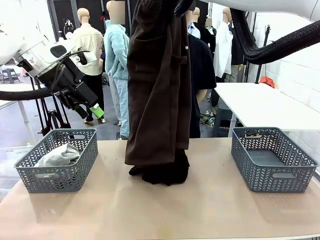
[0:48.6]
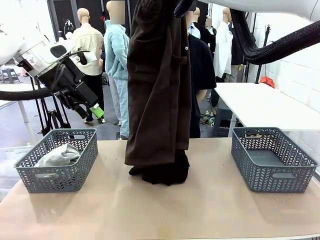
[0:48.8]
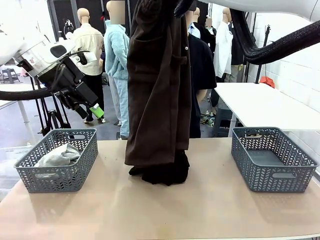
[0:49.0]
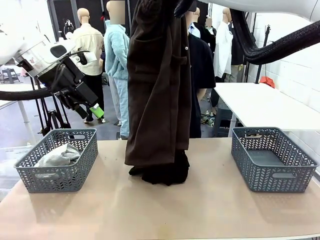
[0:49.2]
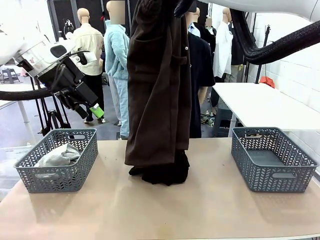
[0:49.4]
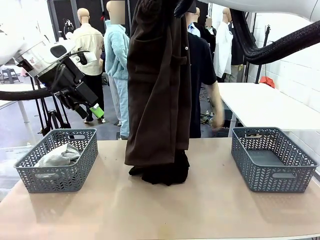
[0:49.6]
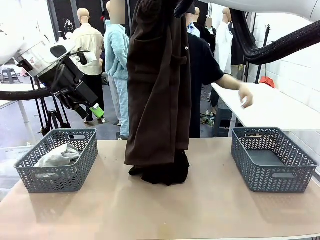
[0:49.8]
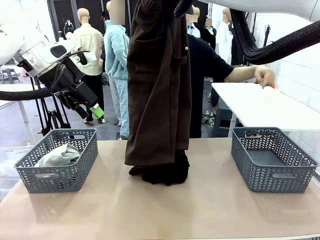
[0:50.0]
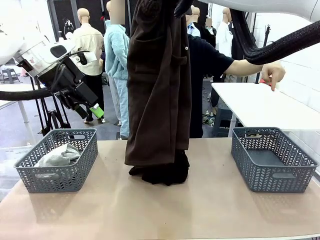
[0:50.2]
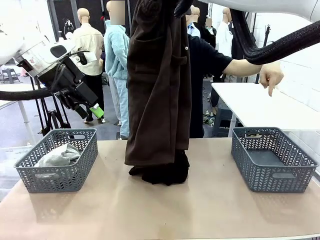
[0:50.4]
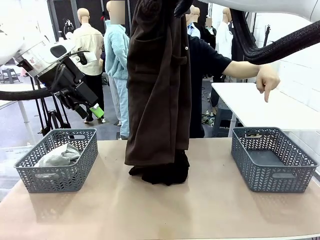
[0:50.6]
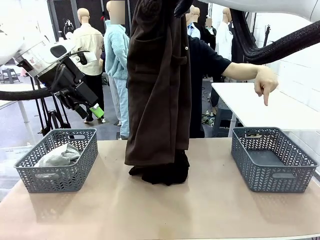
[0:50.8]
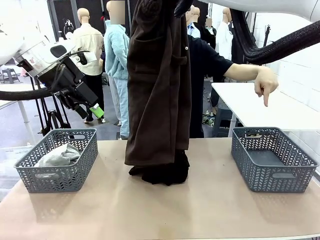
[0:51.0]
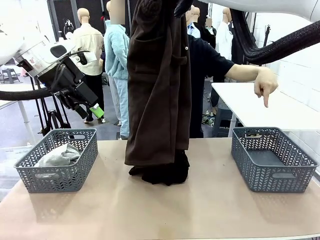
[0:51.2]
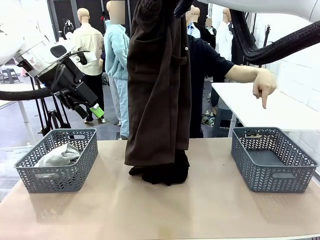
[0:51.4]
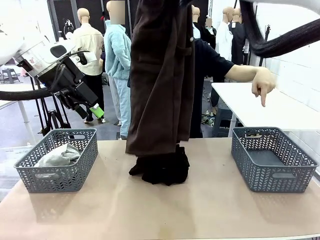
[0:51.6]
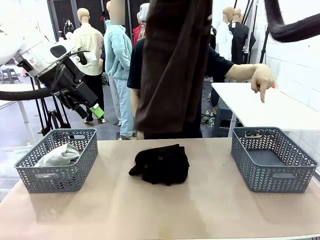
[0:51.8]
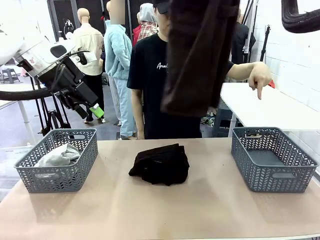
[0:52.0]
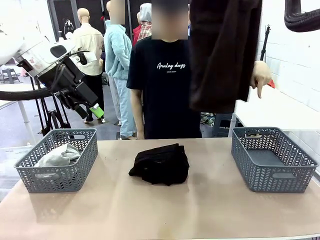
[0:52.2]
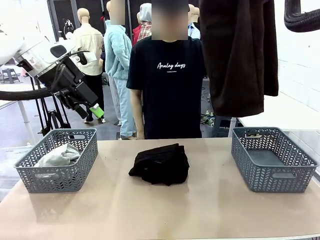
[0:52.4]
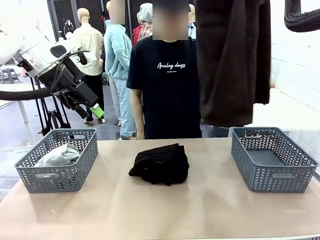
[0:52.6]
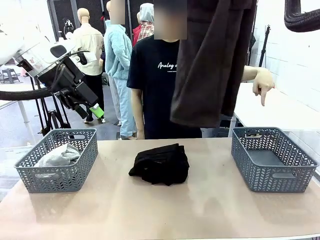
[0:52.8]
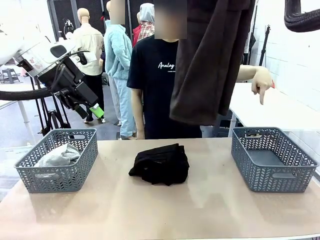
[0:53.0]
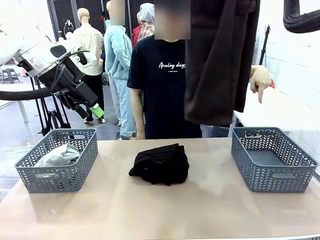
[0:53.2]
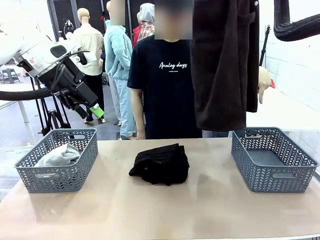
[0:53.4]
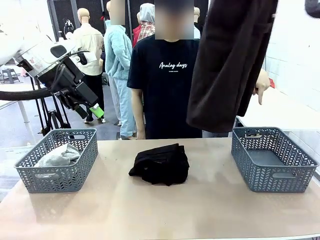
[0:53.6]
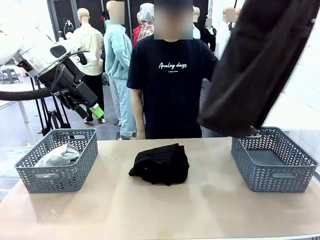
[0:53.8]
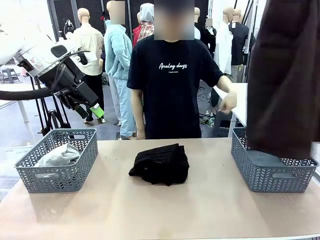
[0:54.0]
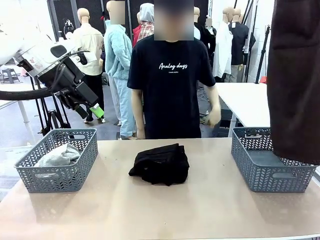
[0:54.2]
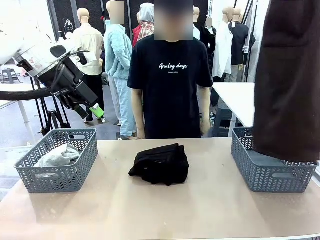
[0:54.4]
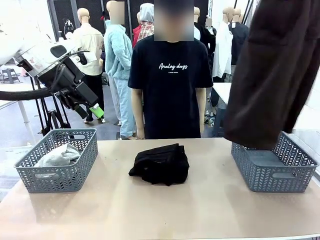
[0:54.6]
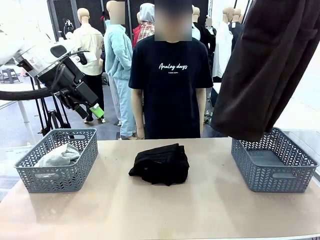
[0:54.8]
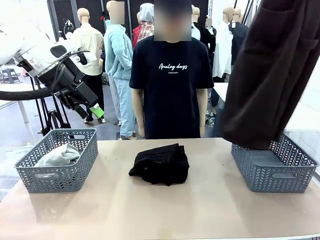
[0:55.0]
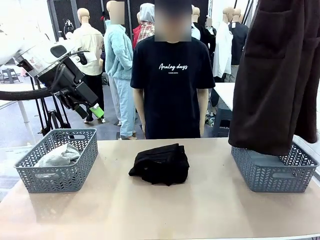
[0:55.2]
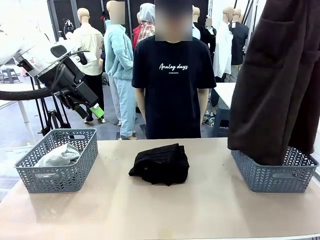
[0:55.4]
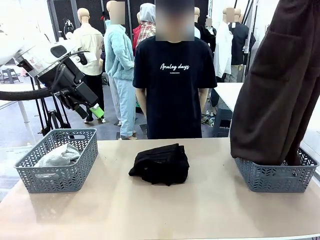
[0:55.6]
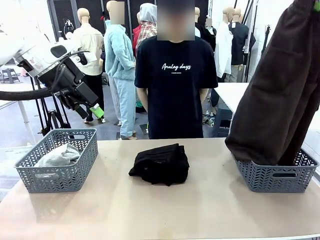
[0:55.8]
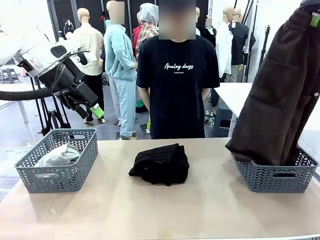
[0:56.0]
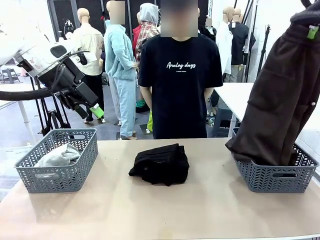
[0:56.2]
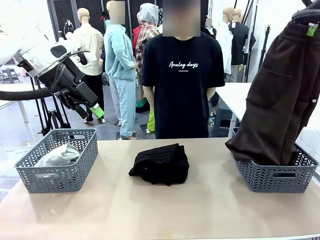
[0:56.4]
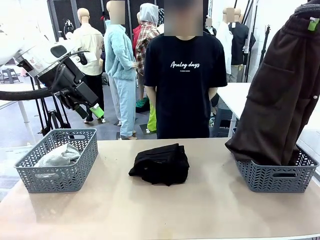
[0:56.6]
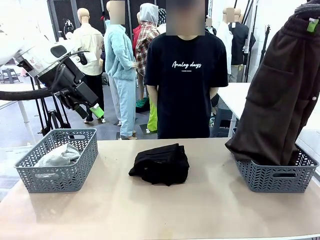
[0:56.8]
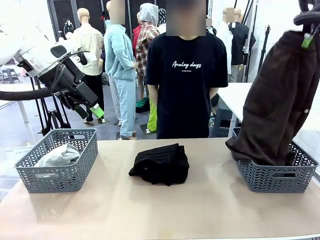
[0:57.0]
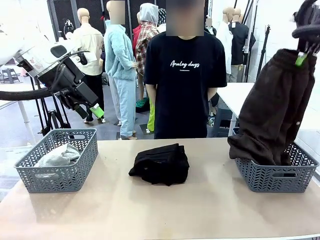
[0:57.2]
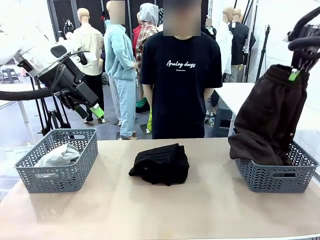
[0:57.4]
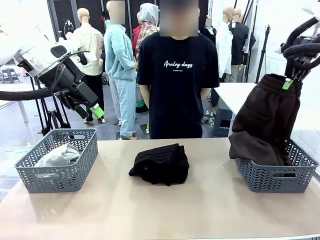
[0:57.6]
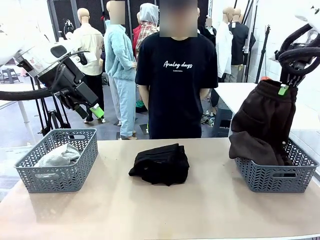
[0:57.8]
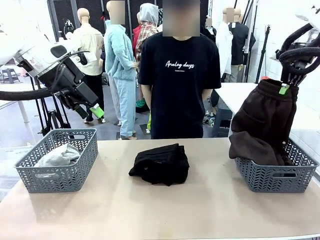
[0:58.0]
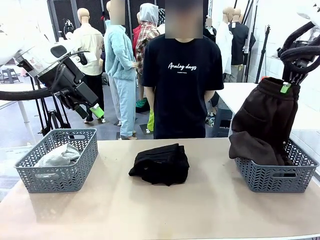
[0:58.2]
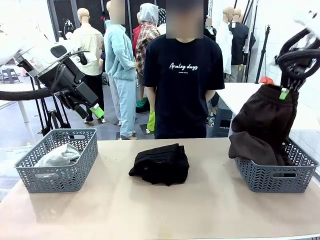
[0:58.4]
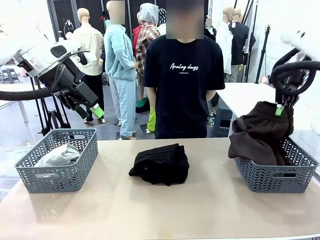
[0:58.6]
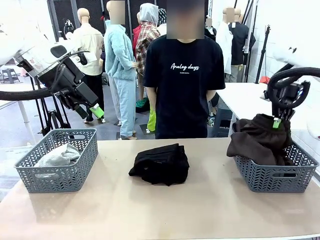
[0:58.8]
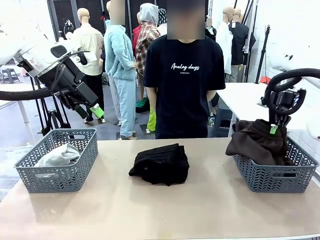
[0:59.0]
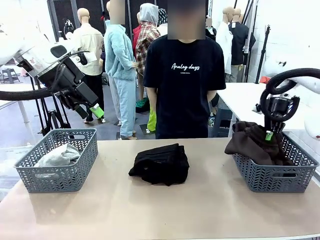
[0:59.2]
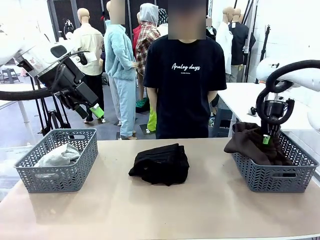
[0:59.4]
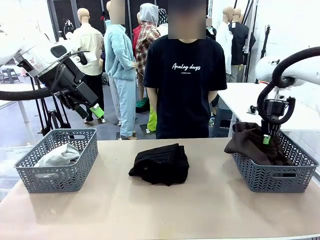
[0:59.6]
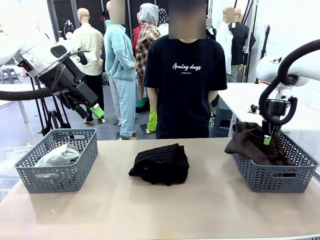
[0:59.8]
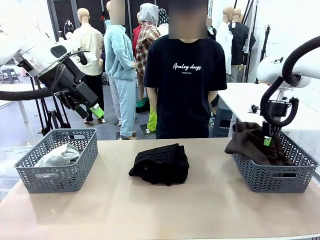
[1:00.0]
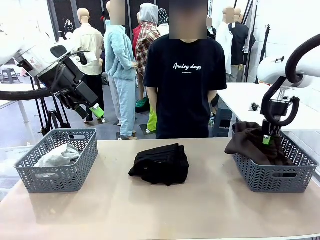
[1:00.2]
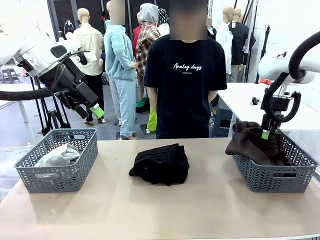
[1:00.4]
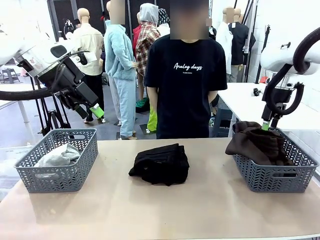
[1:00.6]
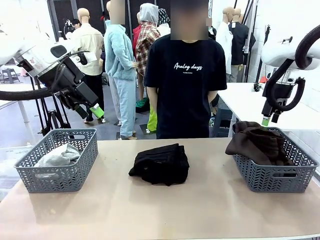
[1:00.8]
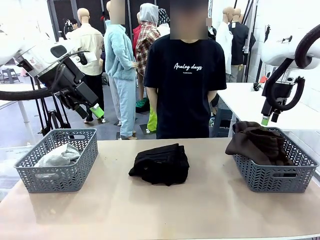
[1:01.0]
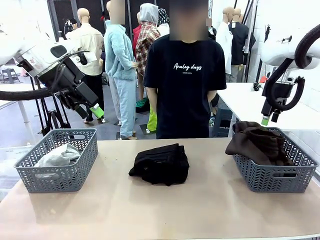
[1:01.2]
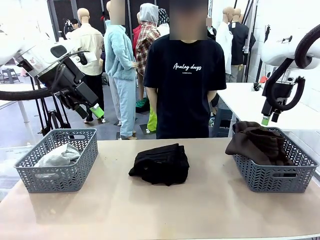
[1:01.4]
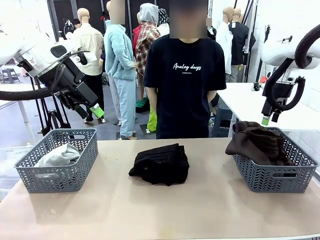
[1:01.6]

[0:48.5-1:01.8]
Task: Sort the tops and bottoms.
Robot: Sort the clothes according to human instructions.

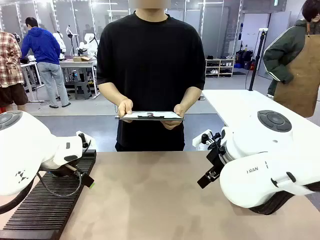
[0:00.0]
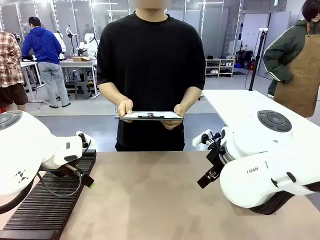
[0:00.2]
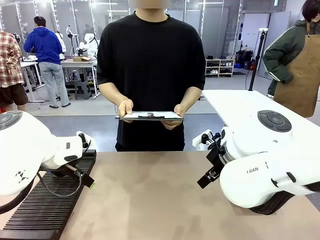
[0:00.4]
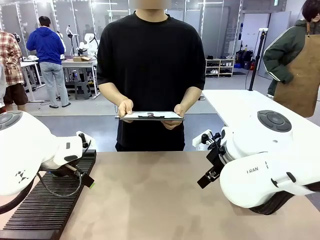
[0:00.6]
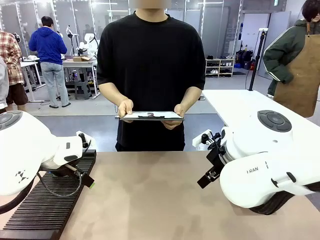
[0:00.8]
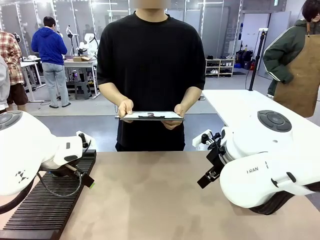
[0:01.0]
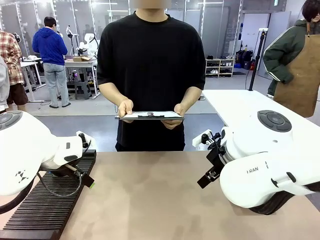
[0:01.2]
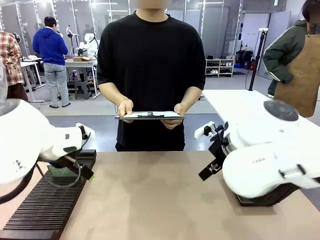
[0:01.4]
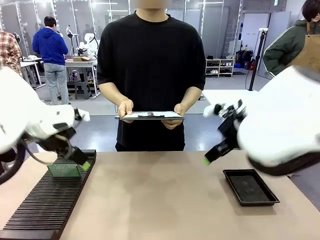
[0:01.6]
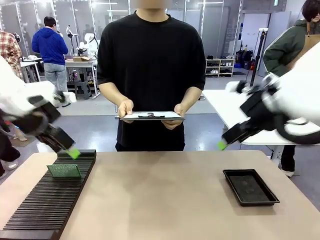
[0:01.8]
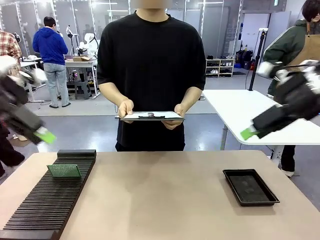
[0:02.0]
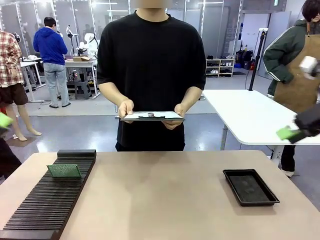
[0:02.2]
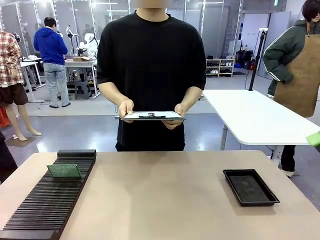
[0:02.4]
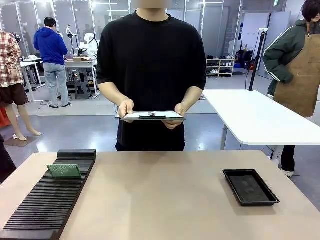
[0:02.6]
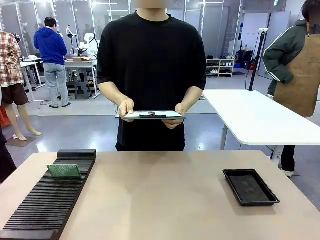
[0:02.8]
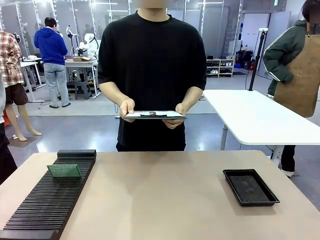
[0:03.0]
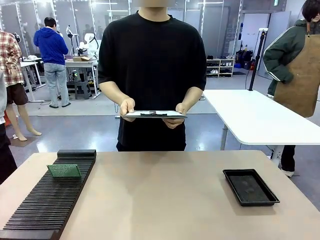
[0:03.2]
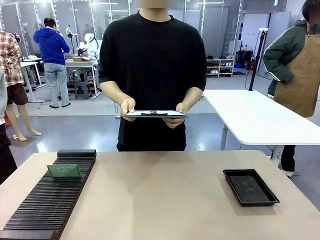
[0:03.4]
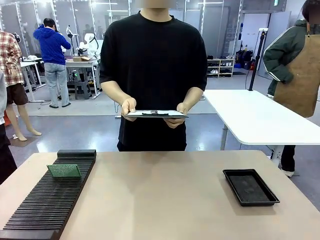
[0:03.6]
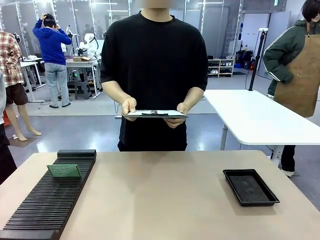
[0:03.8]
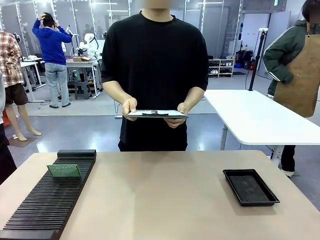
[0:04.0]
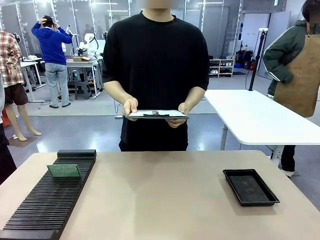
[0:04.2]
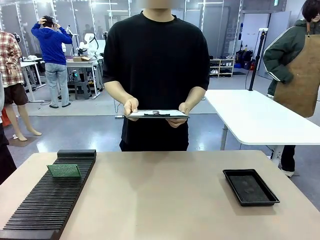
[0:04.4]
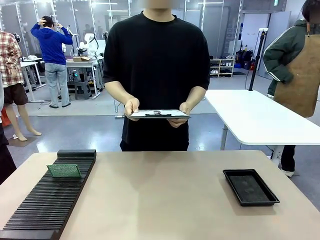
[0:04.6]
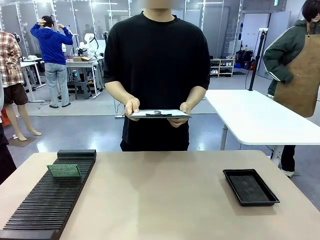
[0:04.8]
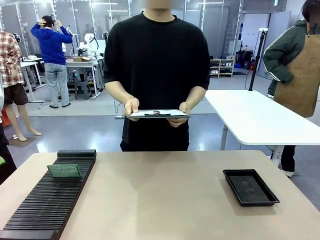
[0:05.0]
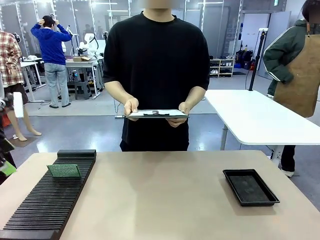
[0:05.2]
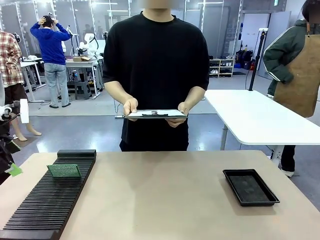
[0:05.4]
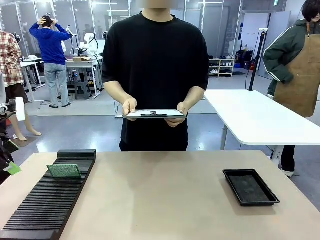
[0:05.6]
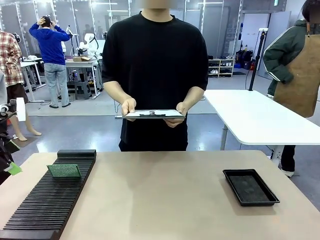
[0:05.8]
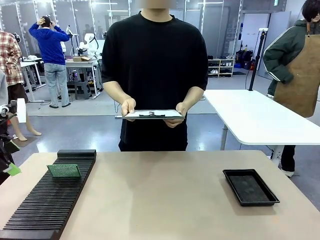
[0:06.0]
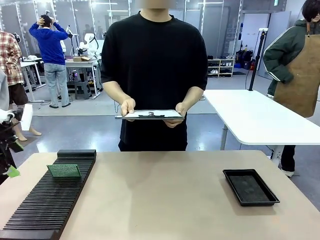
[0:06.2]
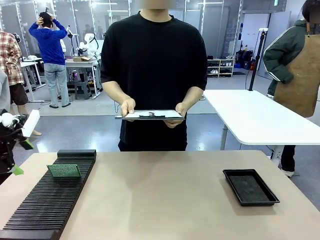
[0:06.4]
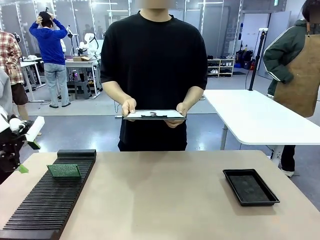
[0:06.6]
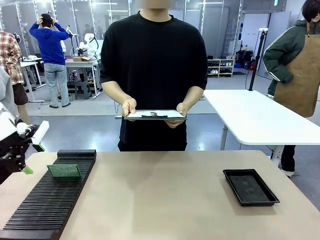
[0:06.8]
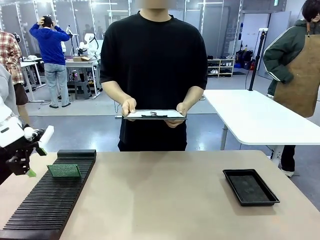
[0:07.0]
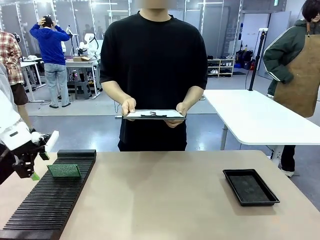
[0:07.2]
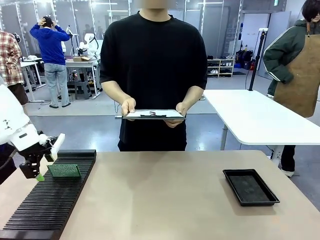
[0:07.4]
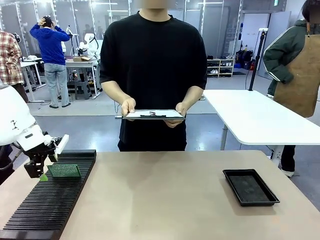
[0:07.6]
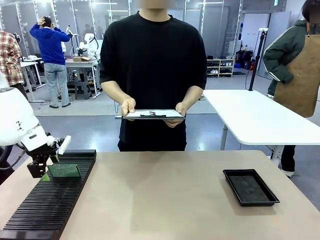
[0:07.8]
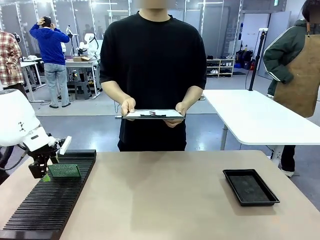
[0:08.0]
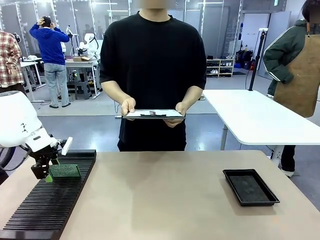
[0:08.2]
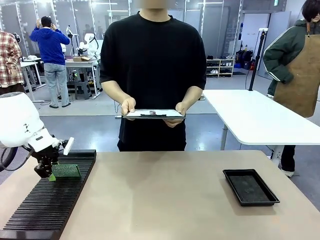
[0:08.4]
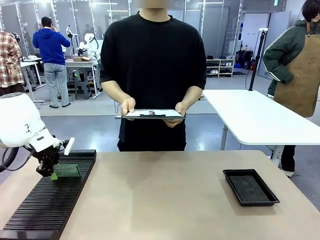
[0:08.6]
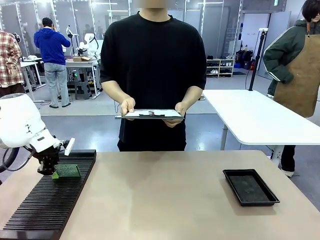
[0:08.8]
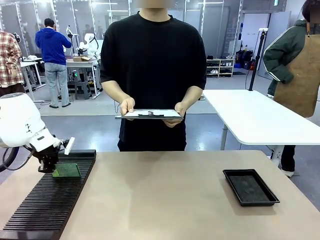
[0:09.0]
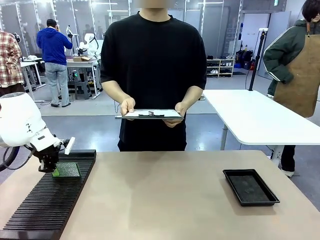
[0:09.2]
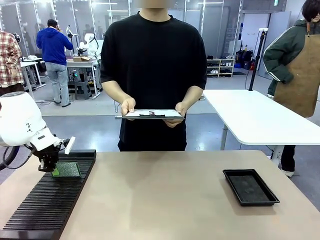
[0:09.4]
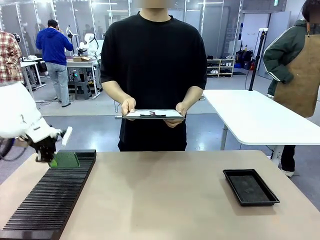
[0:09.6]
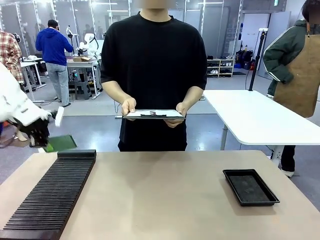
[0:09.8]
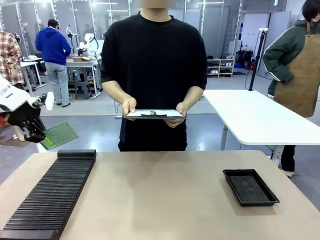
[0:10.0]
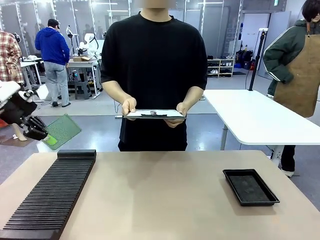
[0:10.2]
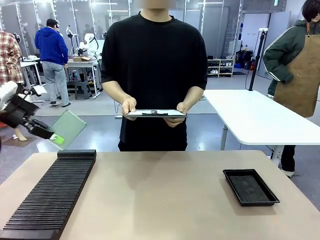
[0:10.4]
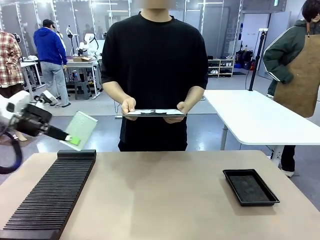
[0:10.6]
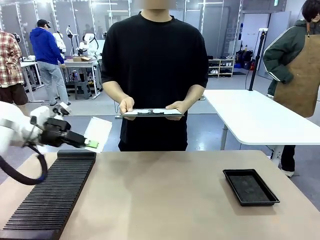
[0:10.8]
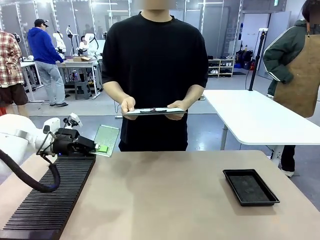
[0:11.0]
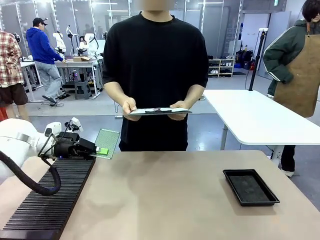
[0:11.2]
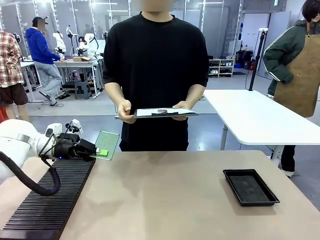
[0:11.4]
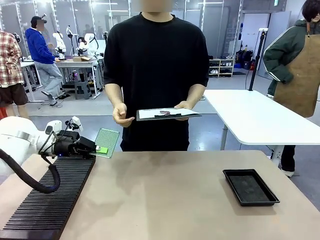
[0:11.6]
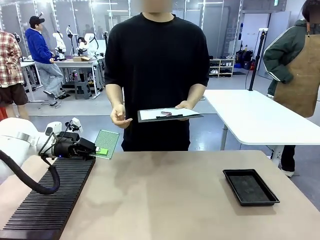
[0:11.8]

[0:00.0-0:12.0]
Task: Inspect the PCB.
Robot: Pick up the Blank PCB and present it to the human.
Person: Pick up the PCB presented by the robot.
